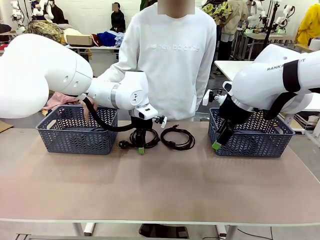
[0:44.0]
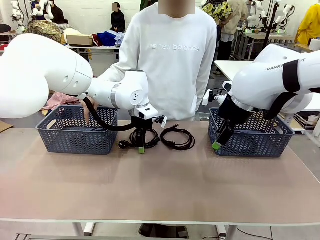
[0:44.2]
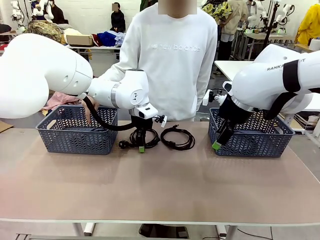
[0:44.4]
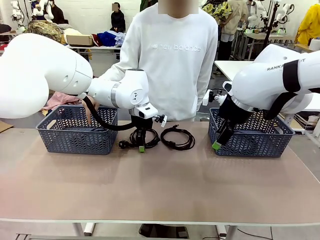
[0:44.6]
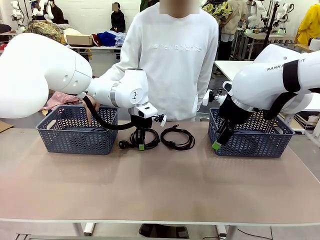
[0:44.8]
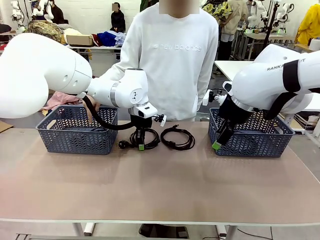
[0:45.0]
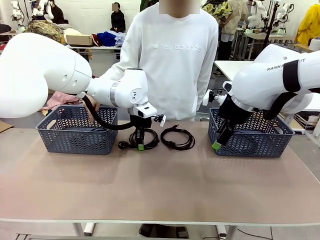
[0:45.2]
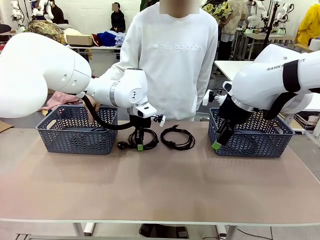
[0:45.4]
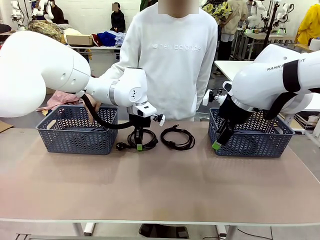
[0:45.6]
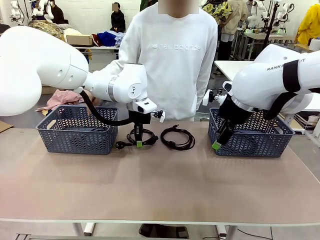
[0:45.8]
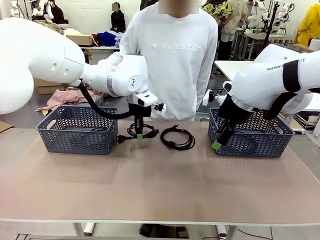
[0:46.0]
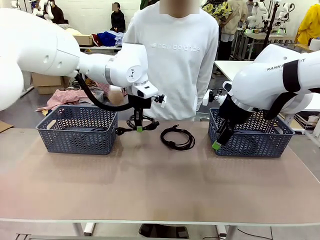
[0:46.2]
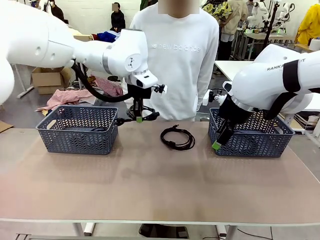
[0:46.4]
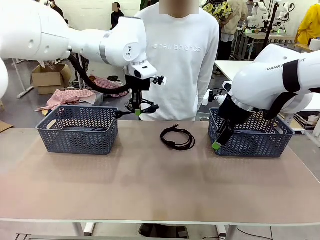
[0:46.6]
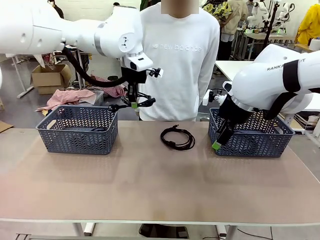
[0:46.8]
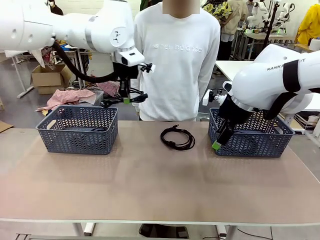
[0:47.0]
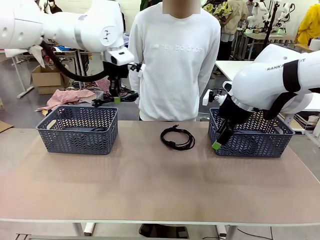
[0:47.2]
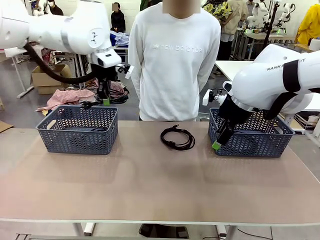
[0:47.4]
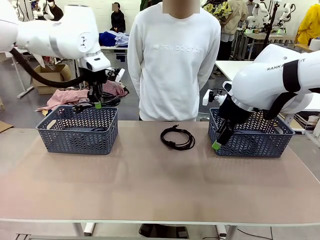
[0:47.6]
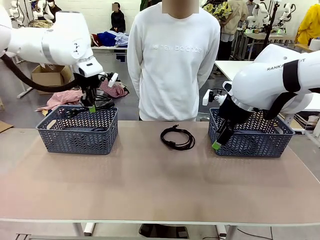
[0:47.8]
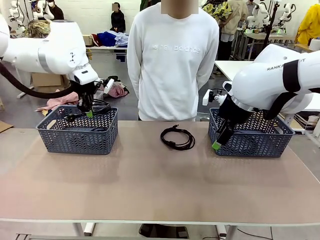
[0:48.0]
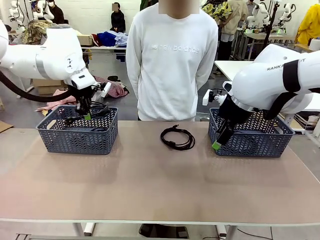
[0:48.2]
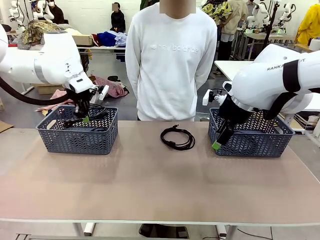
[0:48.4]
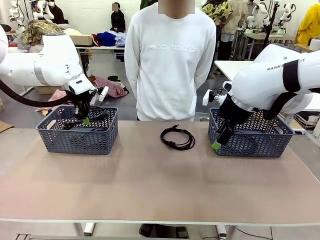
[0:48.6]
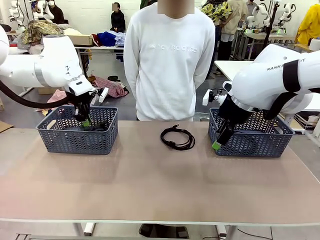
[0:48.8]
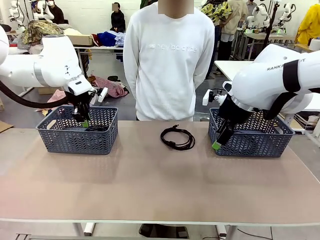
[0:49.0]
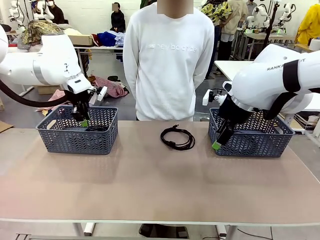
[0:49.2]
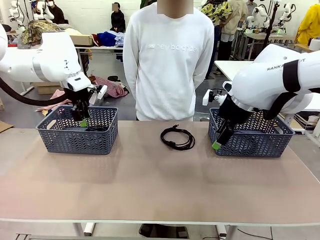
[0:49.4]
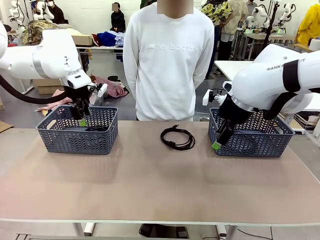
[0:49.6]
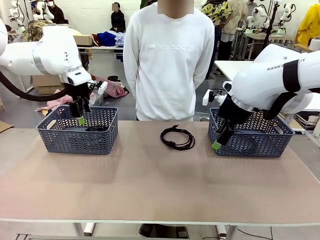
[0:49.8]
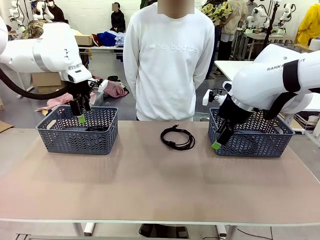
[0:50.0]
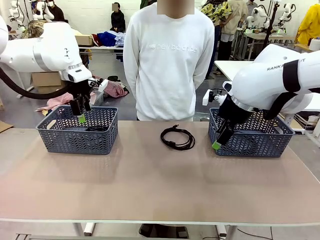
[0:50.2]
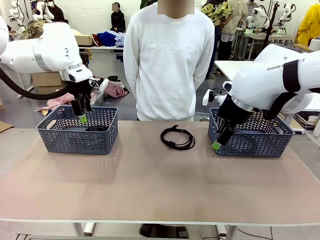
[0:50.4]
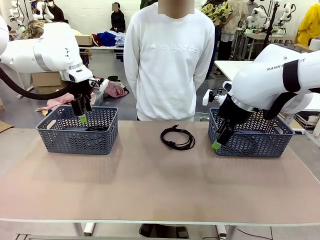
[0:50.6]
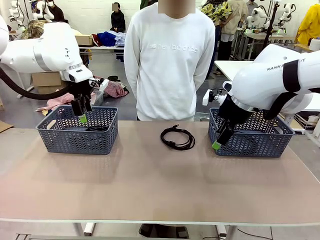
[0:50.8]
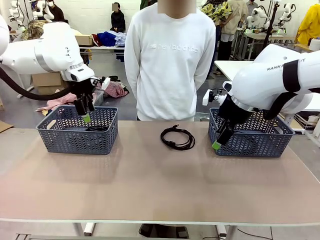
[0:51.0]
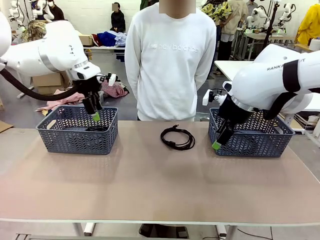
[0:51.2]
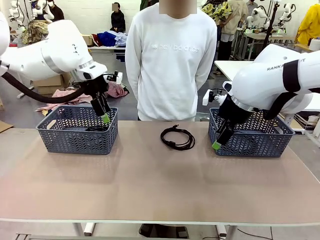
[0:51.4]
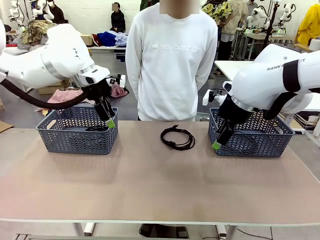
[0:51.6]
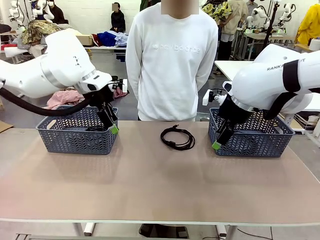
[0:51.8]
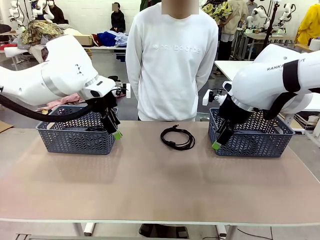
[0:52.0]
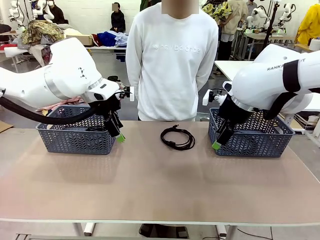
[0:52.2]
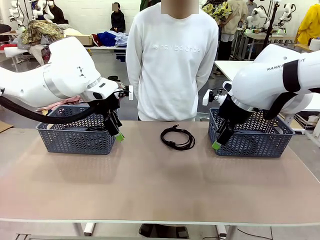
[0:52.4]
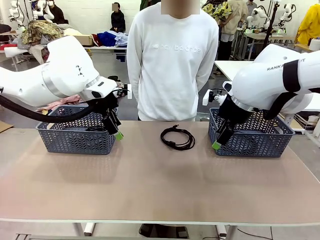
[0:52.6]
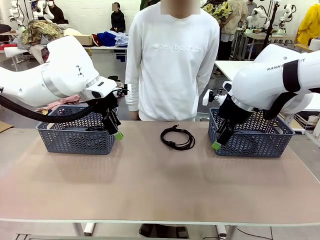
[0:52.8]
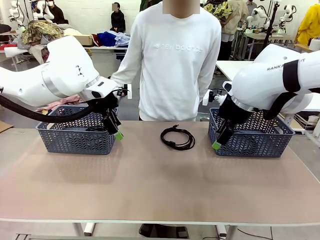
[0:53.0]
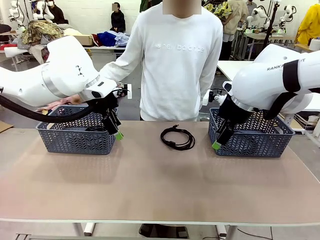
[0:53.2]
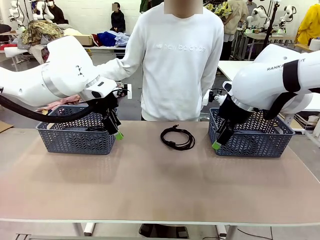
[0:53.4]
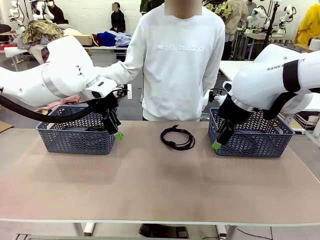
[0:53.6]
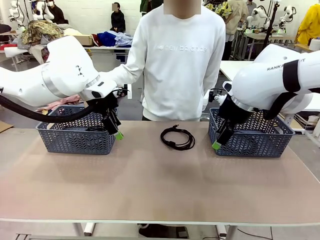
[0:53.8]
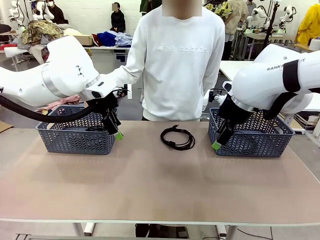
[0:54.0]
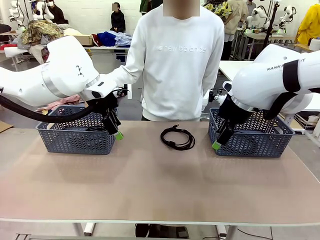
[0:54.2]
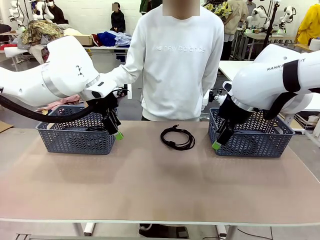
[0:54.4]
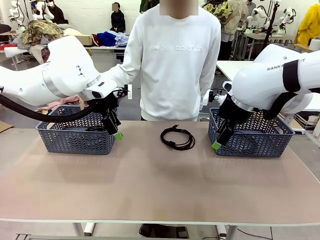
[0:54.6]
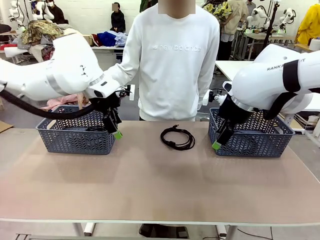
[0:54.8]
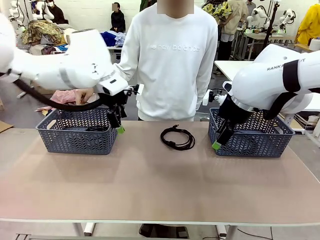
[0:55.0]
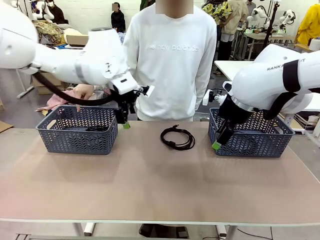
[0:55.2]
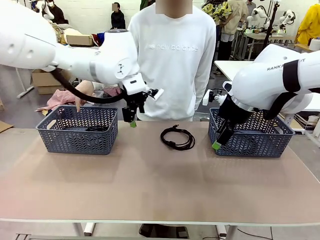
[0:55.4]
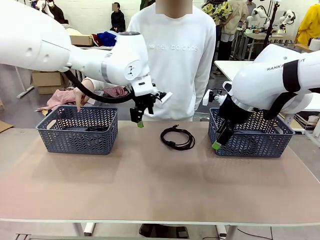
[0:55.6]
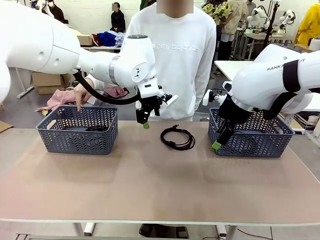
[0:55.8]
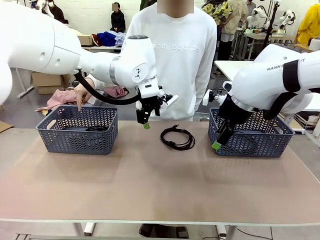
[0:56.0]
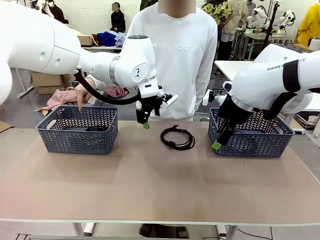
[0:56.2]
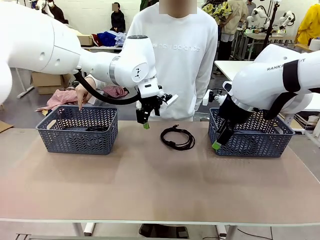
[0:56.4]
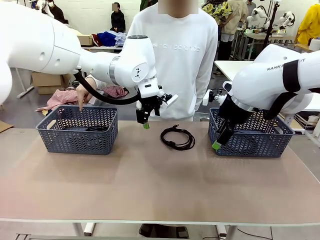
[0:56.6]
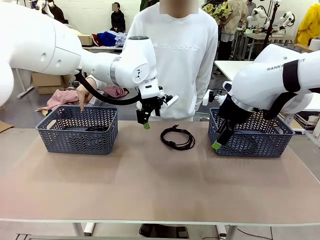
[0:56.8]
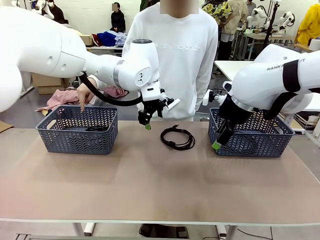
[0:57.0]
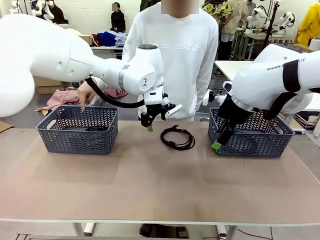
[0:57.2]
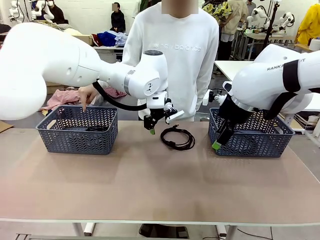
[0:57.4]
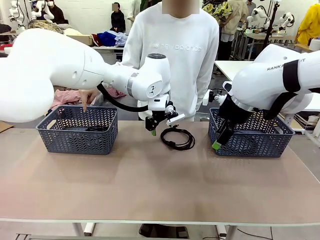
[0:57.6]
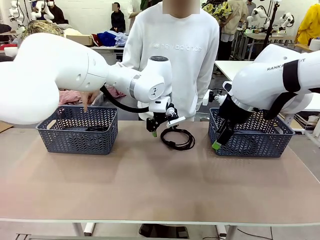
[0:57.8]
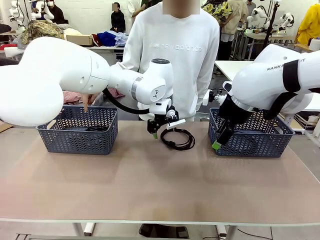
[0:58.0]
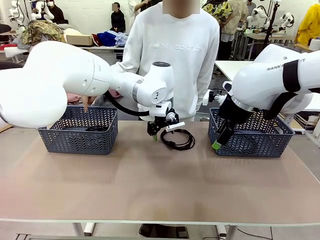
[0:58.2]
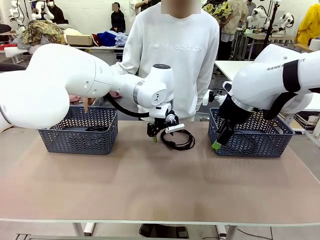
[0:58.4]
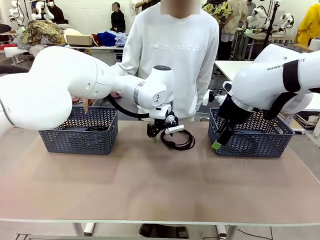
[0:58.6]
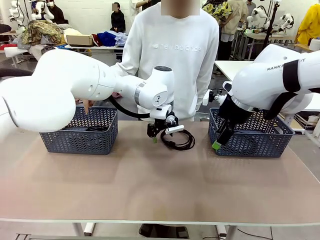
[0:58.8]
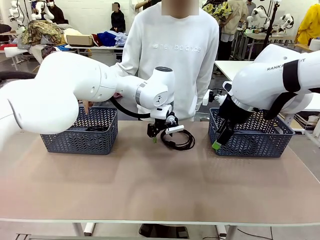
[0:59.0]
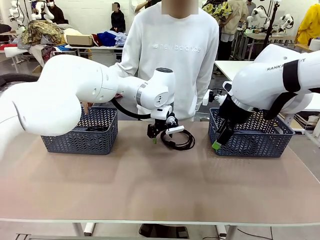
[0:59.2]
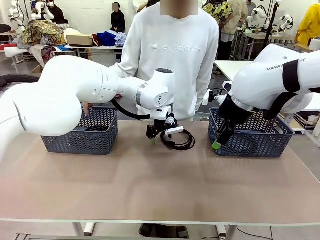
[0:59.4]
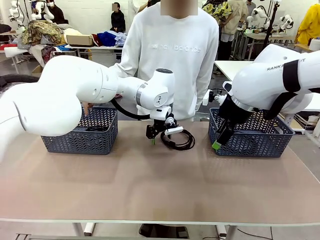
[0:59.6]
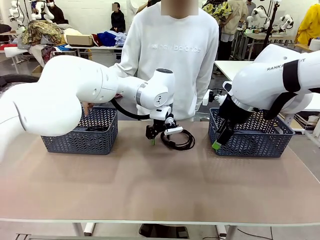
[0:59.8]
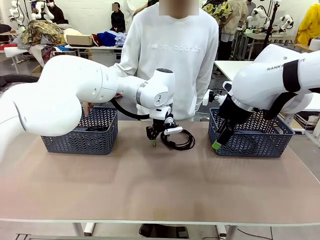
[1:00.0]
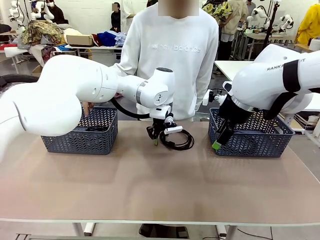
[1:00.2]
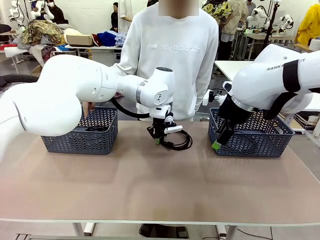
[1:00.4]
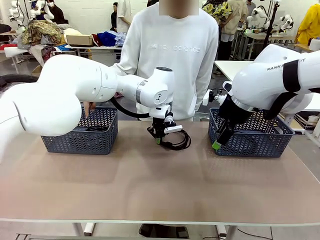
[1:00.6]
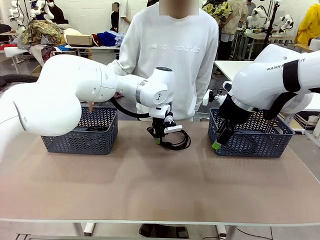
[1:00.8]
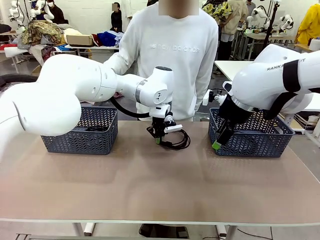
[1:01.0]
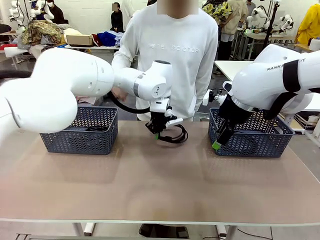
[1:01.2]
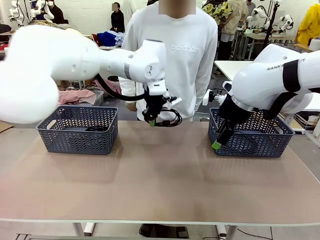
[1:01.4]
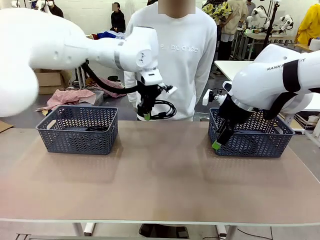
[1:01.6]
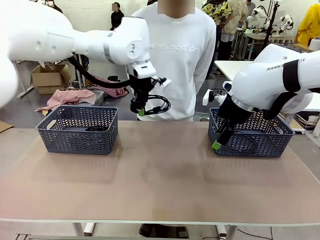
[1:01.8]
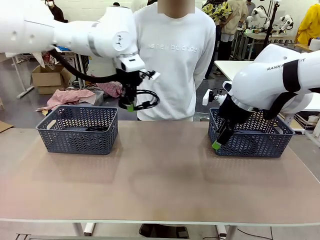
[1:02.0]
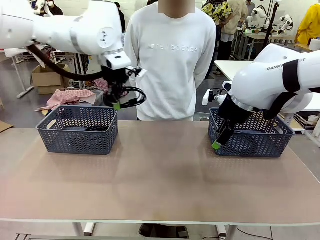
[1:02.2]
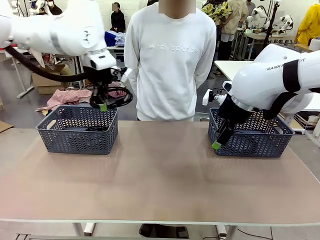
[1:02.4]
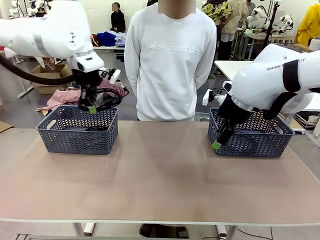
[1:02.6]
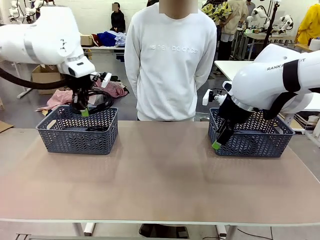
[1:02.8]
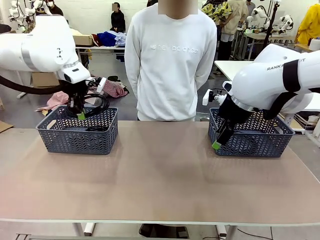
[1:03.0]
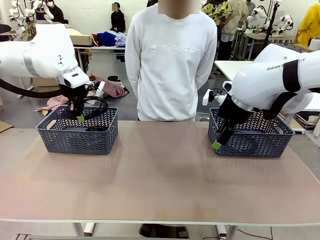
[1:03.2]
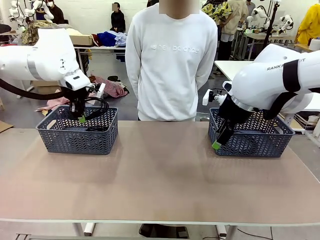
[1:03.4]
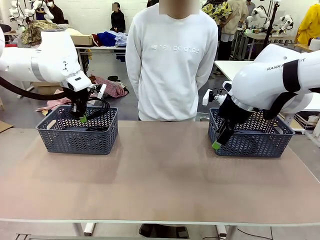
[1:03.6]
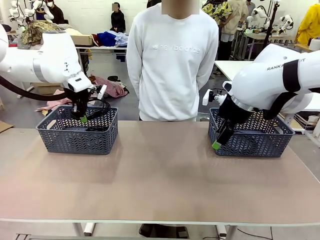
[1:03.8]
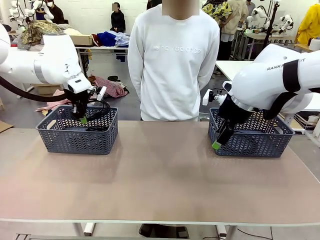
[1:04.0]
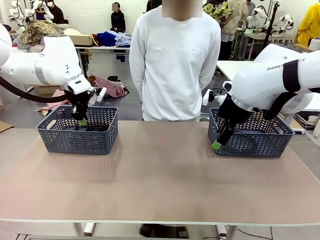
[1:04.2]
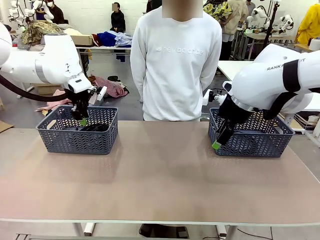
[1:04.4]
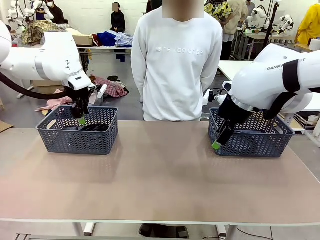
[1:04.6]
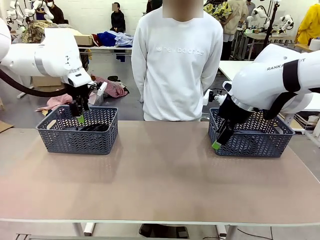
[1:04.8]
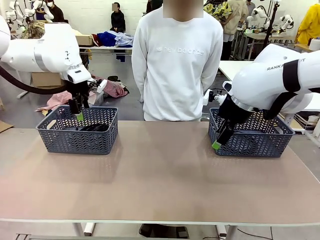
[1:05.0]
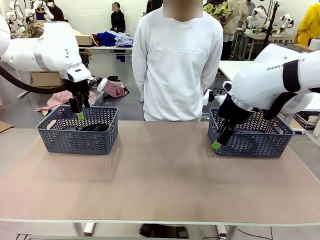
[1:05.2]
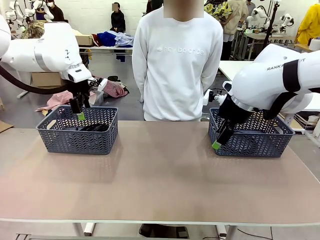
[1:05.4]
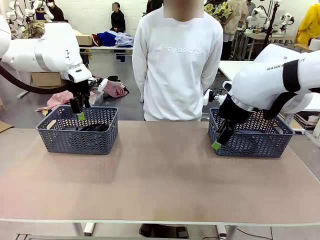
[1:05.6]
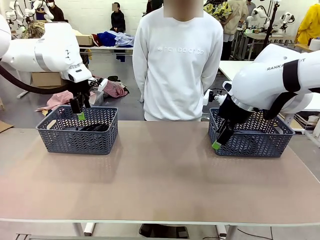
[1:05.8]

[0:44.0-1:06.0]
Task: Organize the cables according to human instructions.
Robot: Pick up a bundle of cables and place it in the basket indicated by the human.
